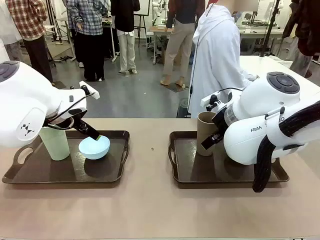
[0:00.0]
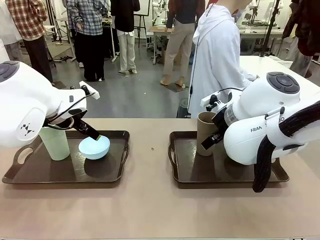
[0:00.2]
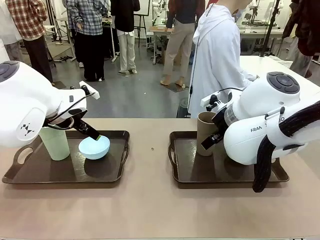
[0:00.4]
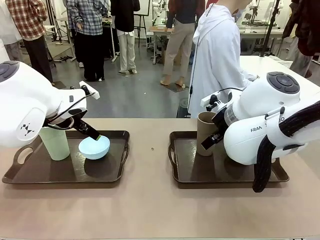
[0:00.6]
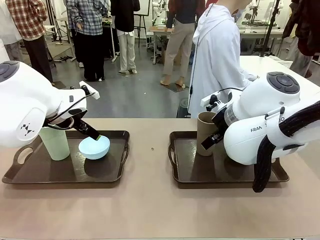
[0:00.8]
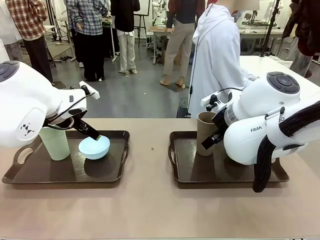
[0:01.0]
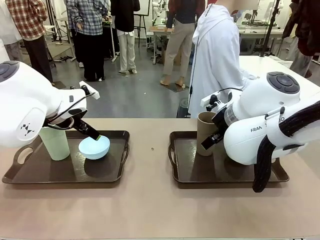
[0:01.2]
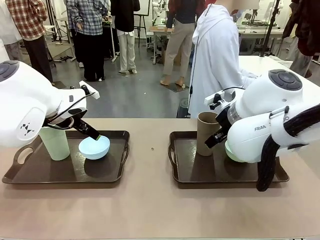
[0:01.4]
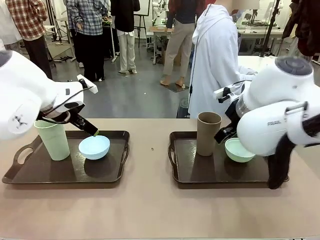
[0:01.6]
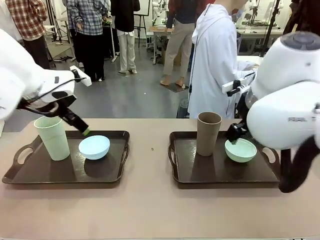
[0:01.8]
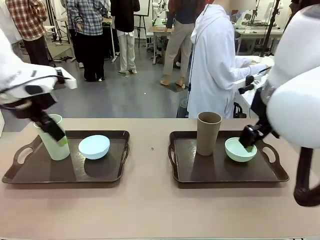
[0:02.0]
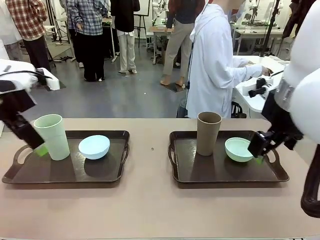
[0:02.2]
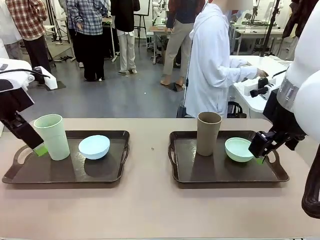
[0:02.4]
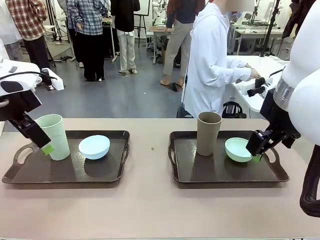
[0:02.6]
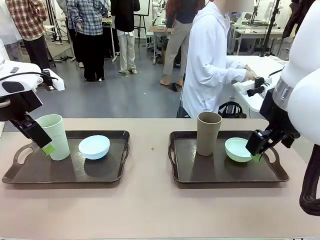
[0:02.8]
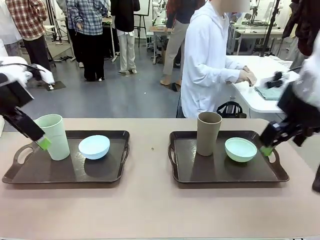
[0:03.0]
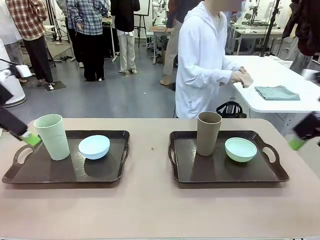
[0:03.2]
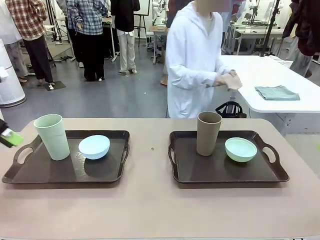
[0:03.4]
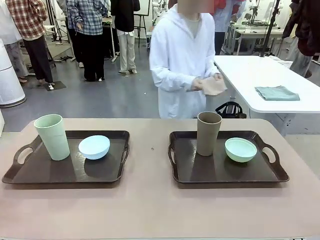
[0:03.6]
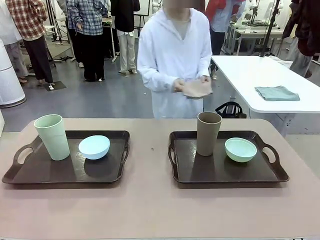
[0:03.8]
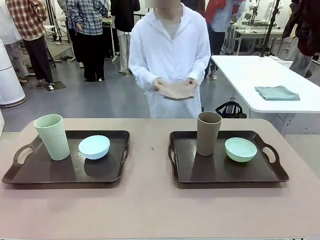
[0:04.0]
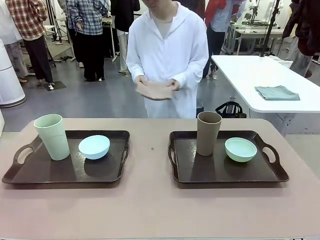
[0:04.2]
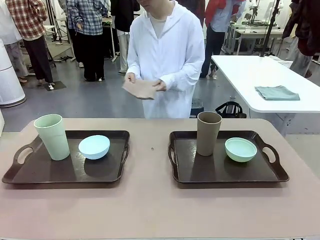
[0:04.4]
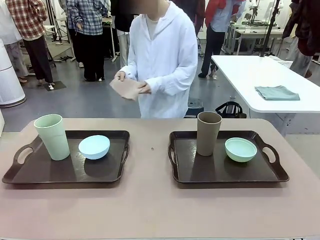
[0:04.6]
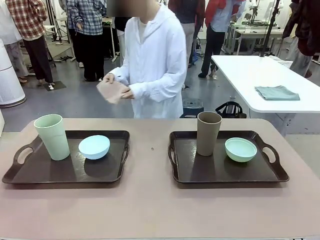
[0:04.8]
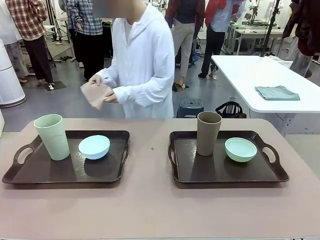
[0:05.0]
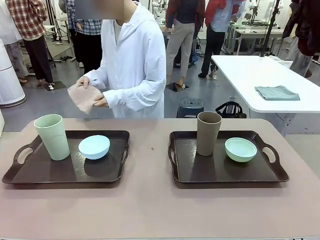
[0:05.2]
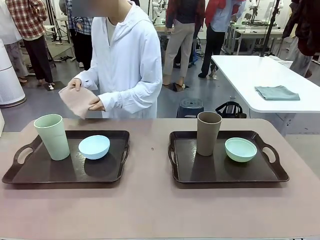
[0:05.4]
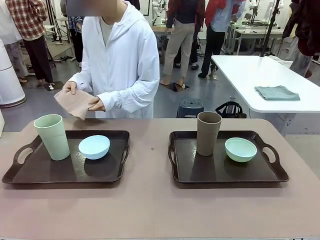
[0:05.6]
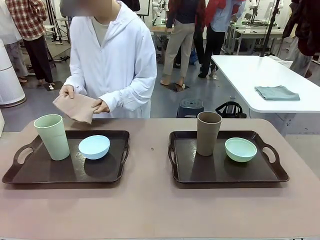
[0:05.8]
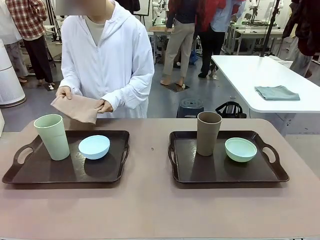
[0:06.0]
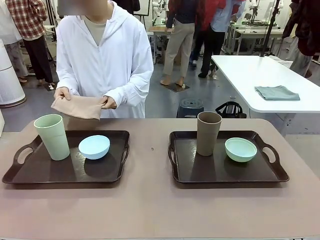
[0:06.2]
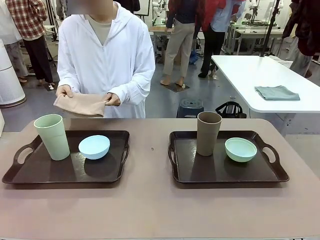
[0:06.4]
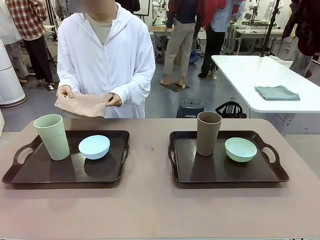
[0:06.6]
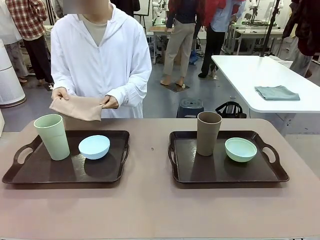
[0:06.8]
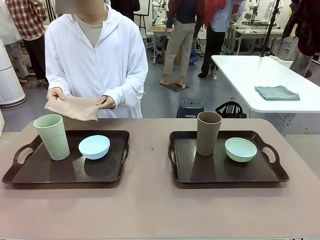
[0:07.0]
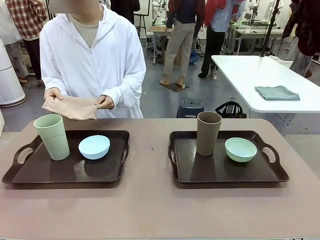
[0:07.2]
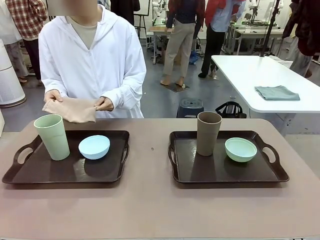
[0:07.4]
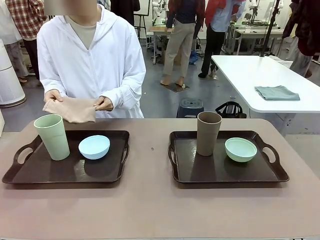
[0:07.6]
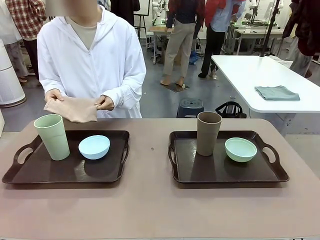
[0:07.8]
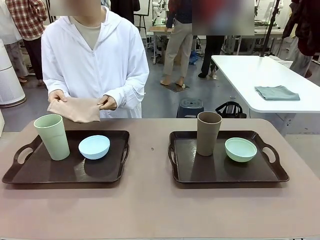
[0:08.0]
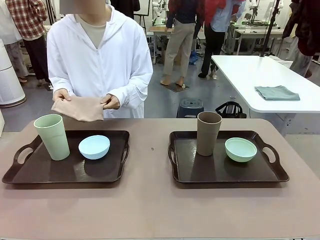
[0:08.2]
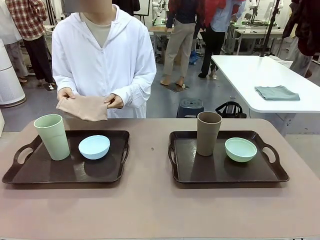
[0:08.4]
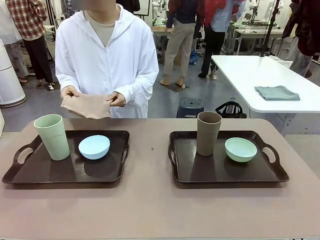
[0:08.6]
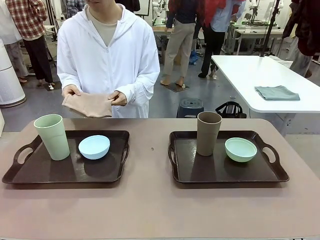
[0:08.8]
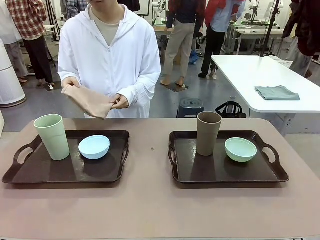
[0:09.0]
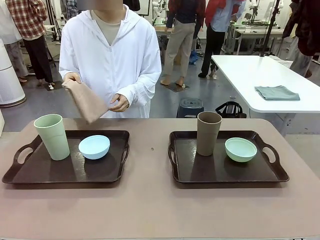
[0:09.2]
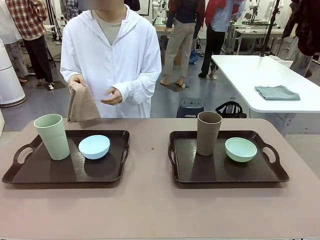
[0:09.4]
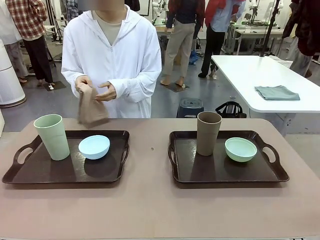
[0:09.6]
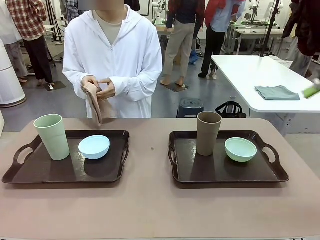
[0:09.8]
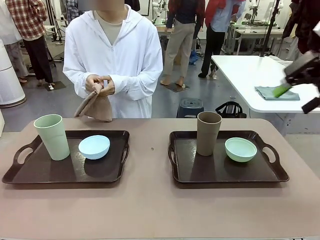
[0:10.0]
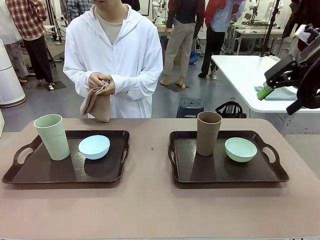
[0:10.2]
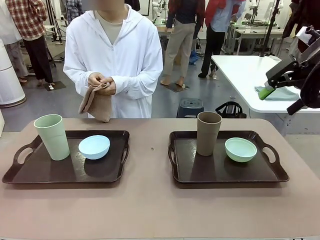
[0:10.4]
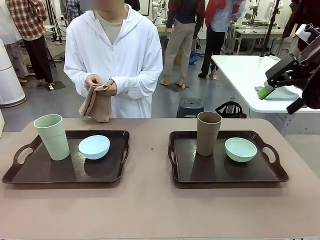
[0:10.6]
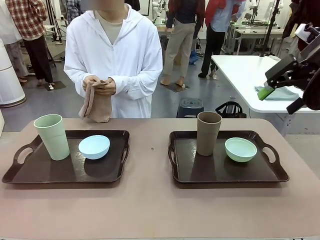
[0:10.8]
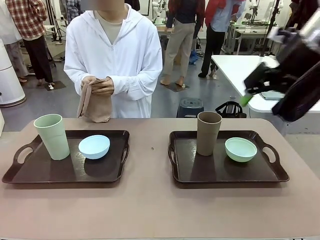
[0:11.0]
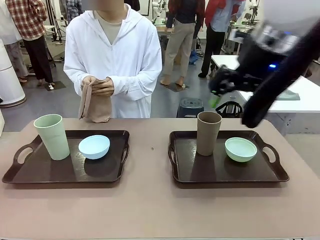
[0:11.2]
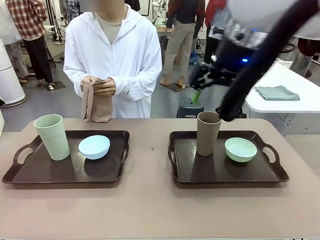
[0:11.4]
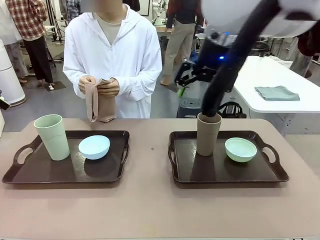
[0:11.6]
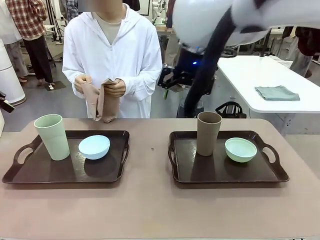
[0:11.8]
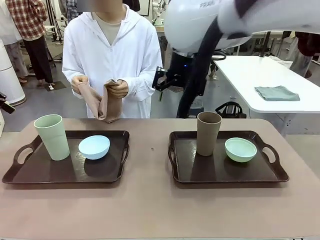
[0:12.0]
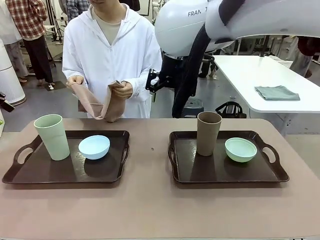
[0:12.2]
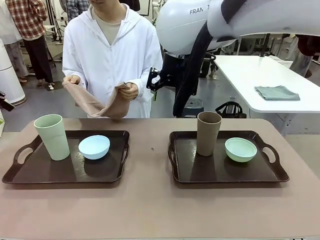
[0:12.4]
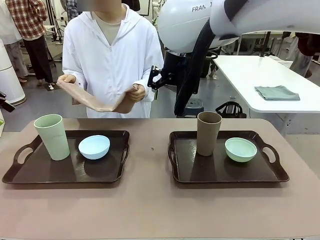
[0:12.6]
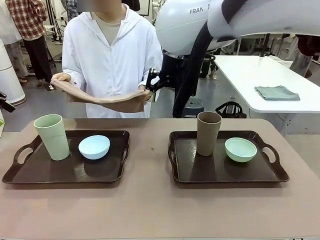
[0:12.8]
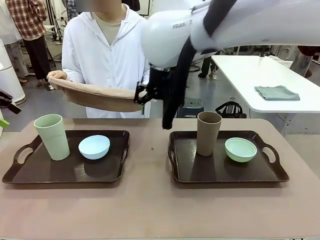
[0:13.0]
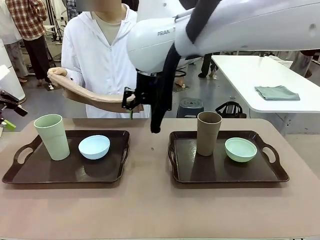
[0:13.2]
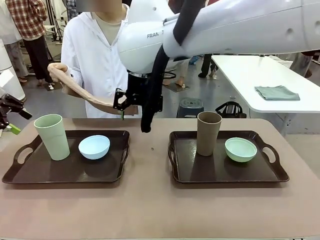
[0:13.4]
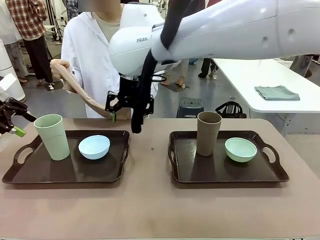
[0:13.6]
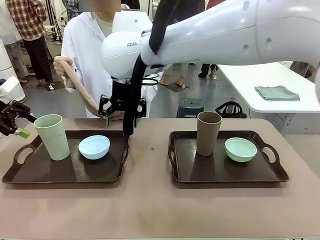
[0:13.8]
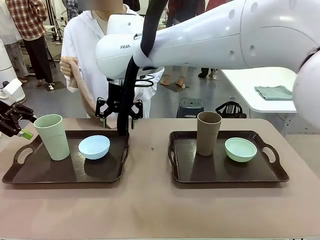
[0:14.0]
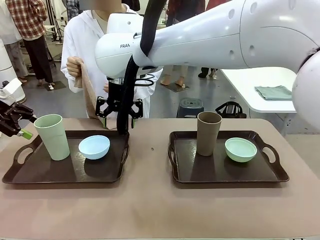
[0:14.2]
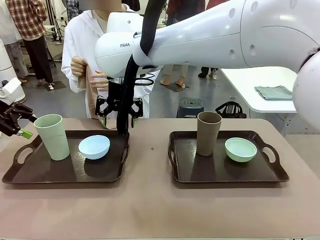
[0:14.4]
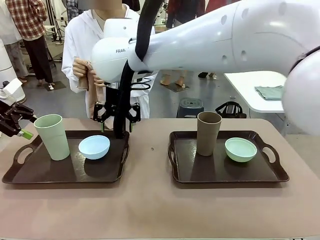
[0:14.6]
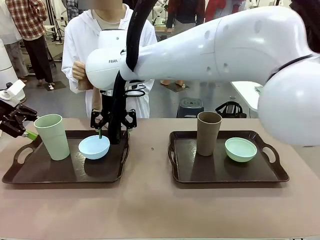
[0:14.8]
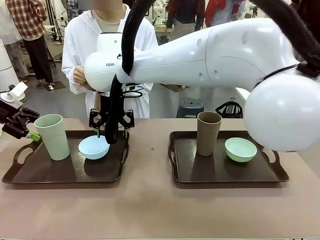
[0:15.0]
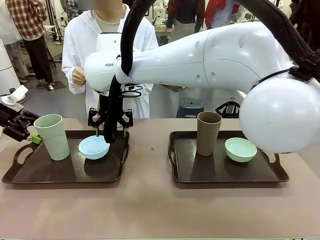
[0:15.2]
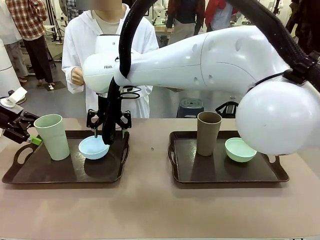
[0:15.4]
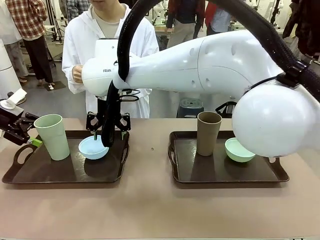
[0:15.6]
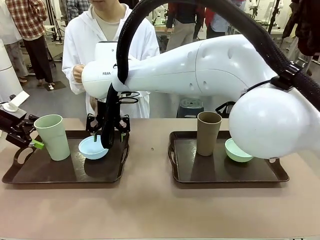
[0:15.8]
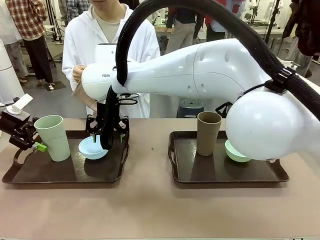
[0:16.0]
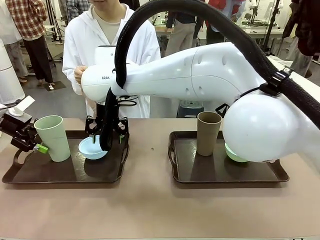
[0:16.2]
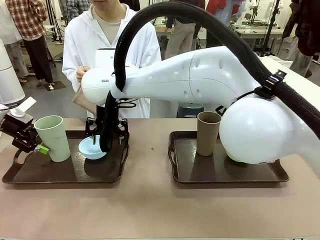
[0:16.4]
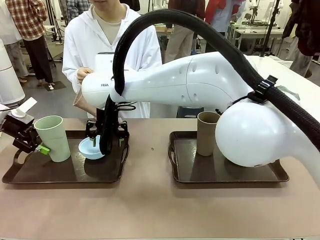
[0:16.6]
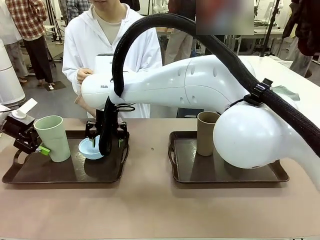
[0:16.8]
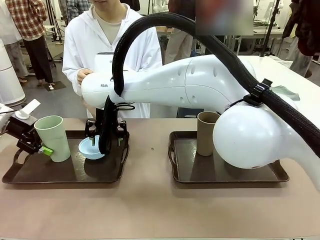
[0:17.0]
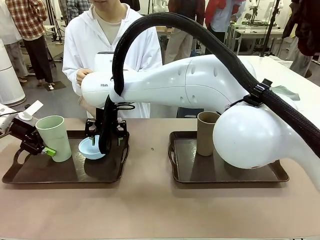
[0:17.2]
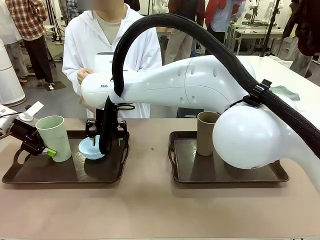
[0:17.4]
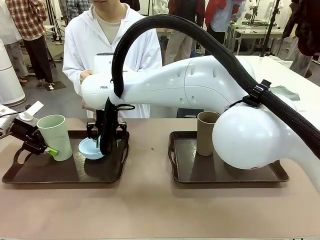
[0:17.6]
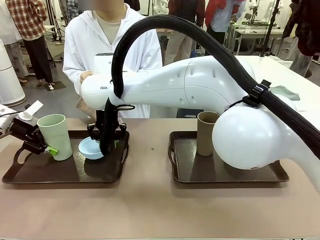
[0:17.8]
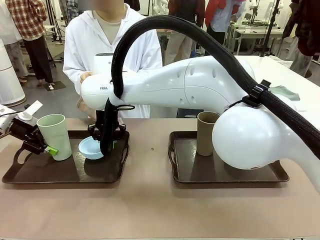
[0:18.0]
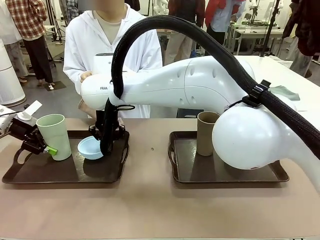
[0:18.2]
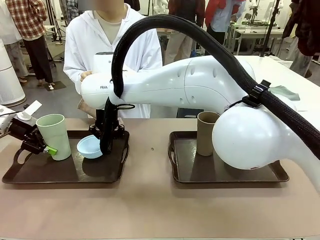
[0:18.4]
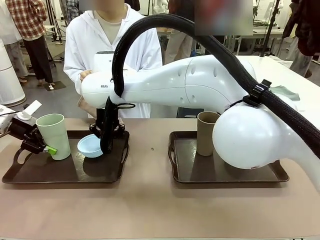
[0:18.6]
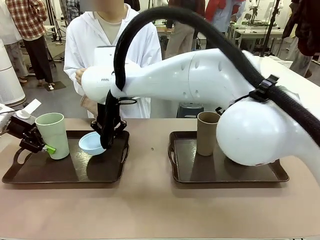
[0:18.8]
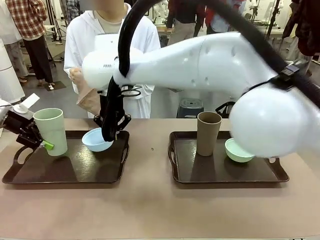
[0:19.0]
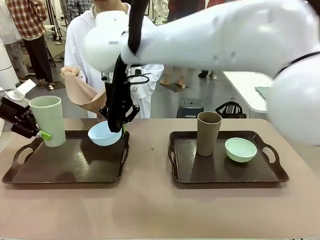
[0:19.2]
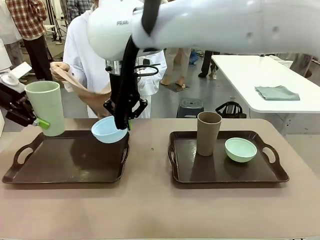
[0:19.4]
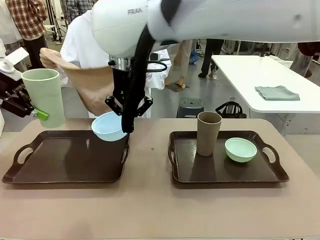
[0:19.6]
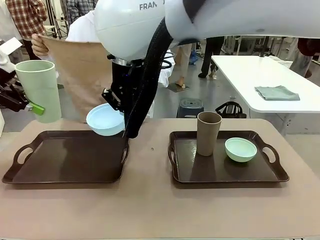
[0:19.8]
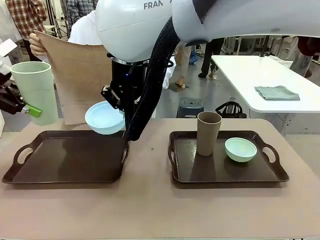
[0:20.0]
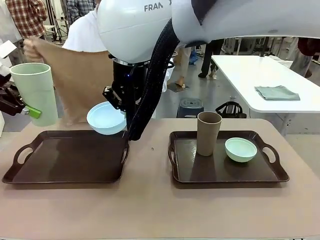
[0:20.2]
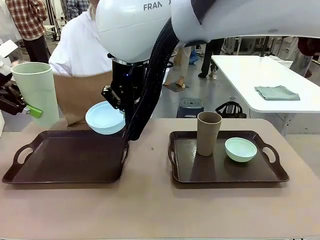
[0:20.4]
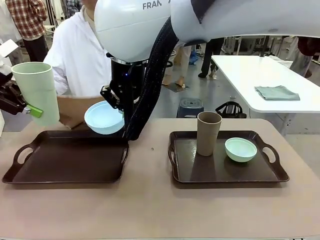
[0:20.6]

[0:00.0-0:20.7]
Robot: Pick up the Picnic Bowl and Reusable plastic cup from the Handle tray in front of the human's position and hold them in the air.
Person: The human picks up the top napkin from the stack on the human table and walks to the robot table to stand in front of one of the two trays. When the robot lifts the bowl and the cup, the human unfolds the napkin and lays the napkin flat on the tray.
